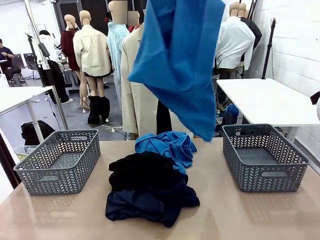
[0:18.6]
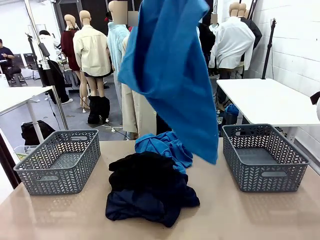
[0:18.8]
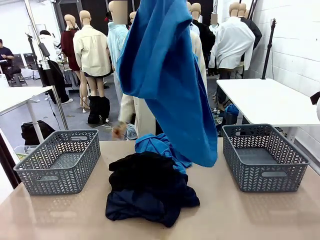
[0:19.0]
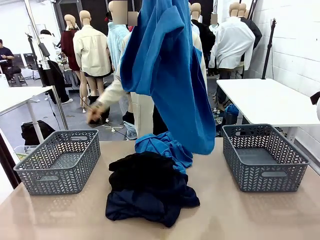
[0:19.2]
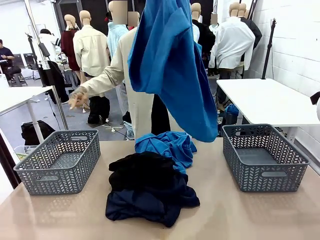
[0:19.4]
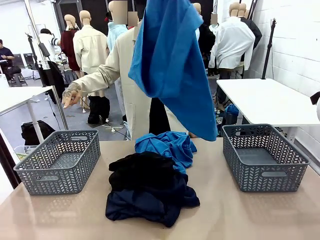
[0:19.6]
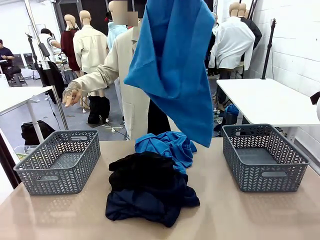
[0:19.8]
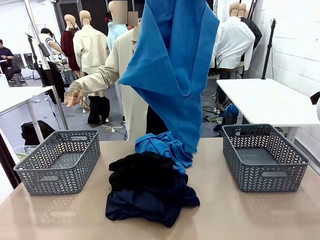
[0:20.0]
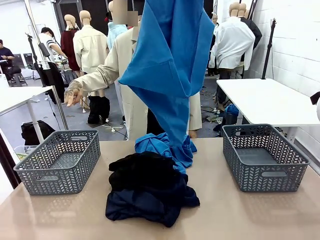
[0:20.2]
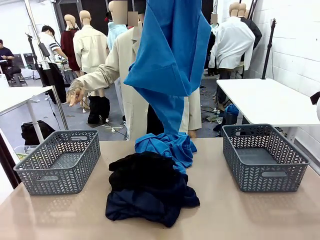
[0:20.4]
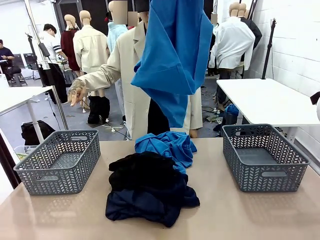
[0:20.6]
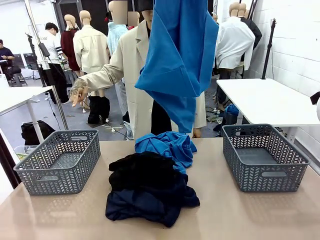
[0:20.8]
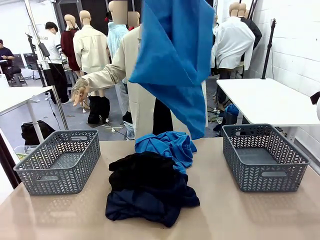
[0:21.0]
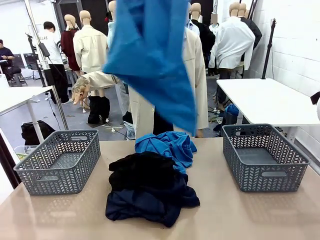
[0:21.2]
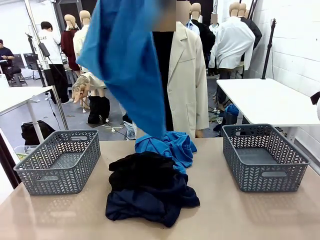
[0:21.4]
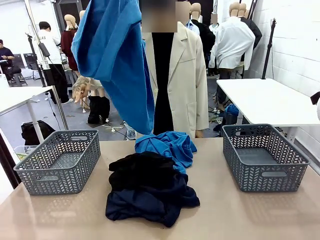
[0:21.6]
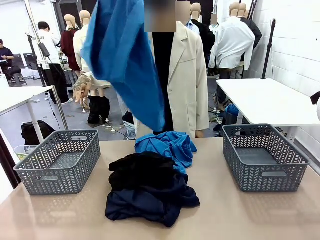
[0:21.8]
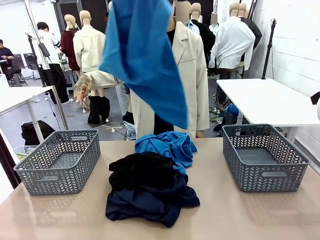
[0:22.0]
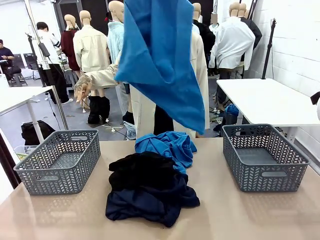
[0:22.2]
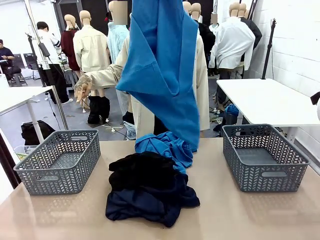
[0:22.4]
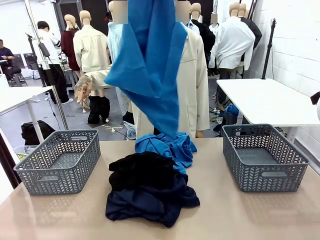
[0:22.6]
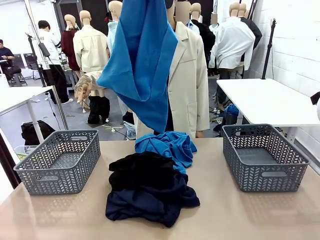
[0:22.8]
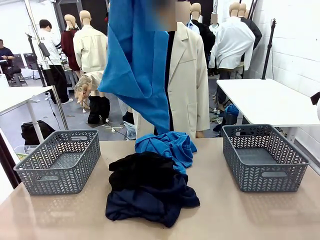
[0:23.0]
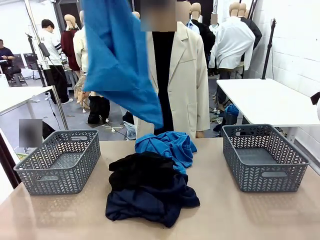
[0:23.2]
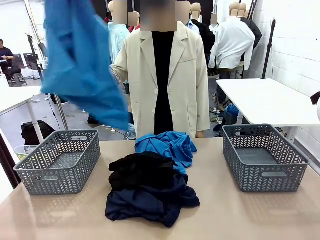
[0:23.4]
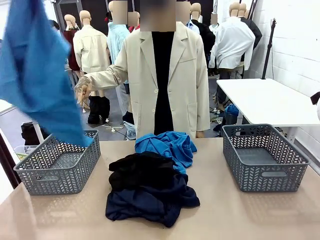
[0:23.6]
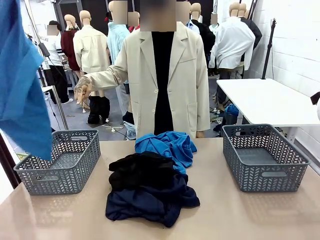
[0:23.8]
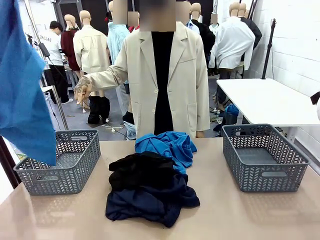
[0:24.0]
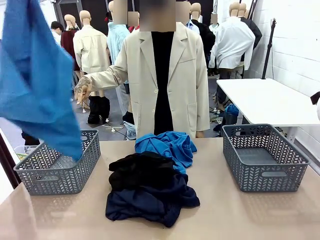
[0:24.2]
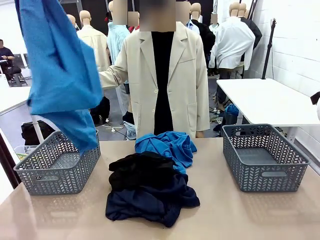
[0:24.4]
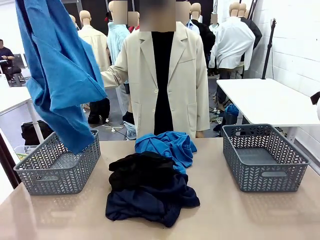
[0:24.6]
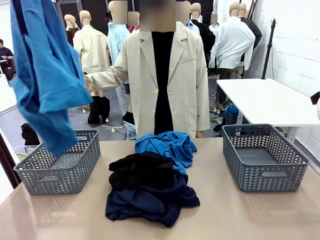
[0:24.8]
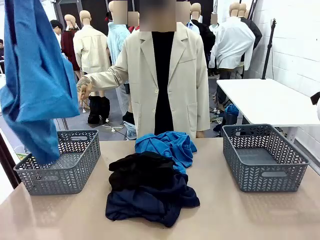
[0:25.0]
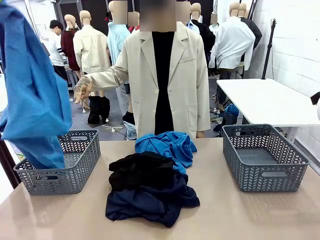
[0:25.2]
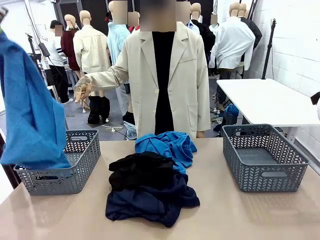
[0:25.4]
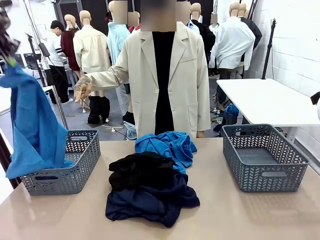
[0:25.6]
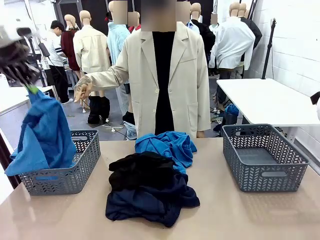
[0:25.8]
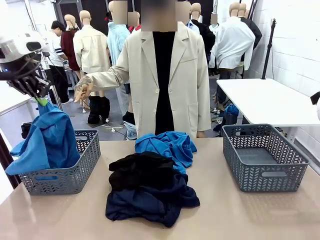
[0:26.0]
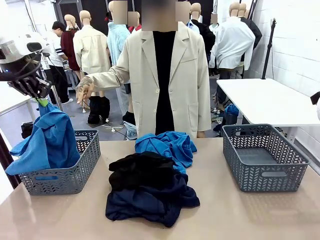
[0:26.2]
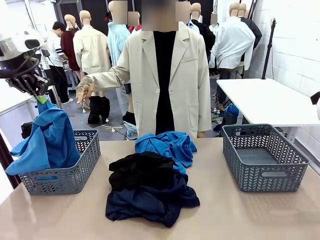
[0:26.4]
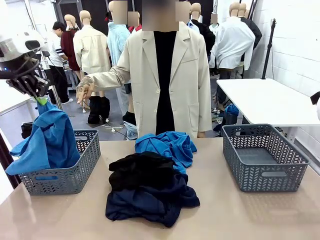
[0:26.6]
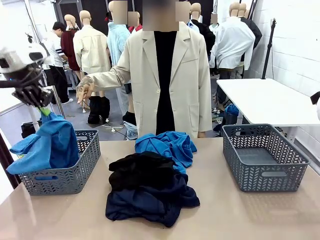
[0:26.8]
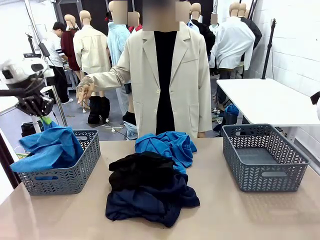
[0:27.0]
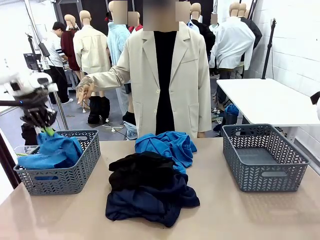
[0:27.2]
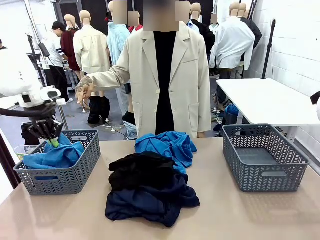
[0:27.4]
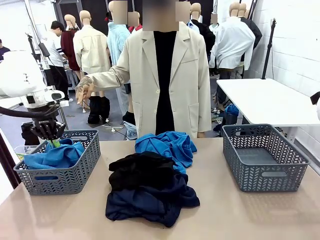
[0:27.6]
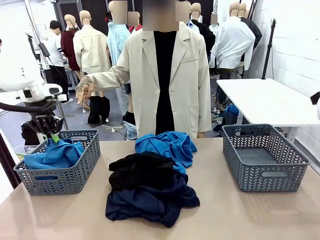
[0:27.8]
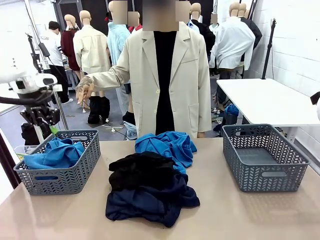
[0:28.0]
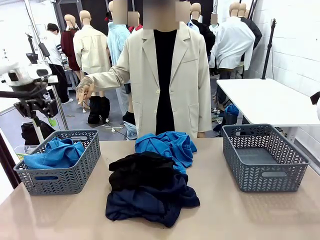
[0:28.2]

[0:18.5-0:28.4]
Task: Sort the tops and bottoms.
Robot: Sort the clothes according to human instructions.

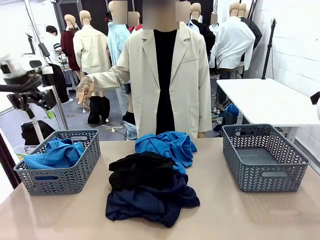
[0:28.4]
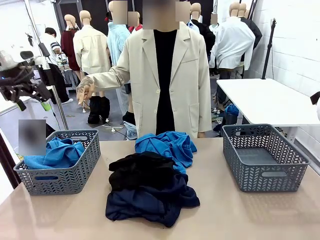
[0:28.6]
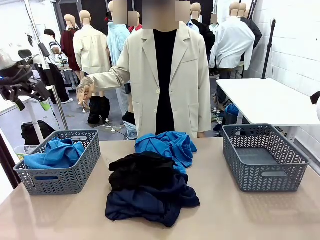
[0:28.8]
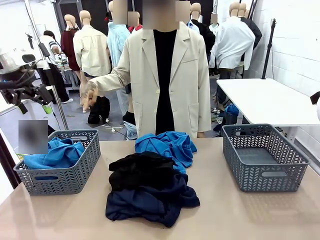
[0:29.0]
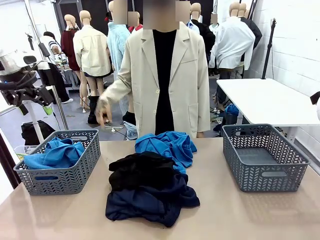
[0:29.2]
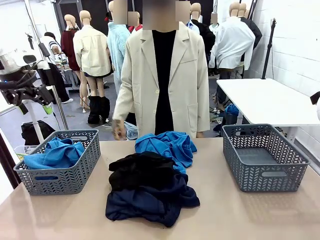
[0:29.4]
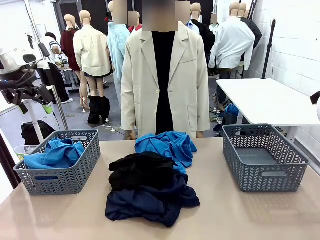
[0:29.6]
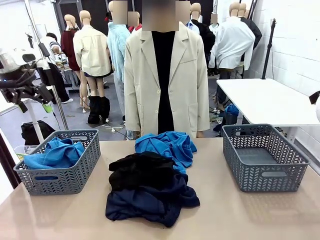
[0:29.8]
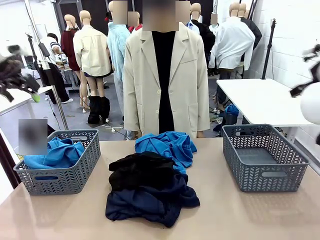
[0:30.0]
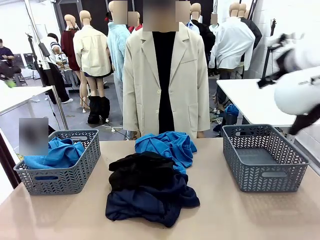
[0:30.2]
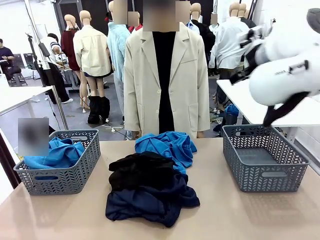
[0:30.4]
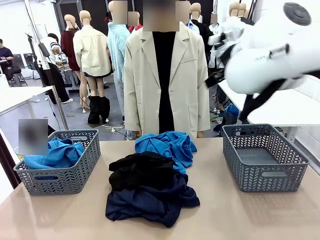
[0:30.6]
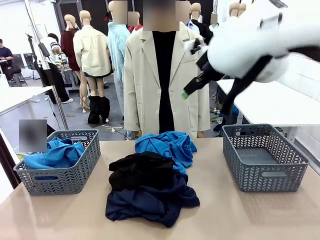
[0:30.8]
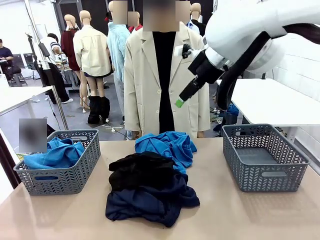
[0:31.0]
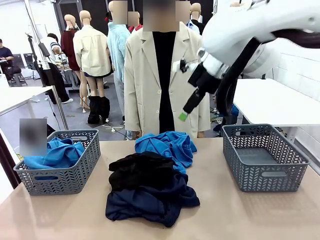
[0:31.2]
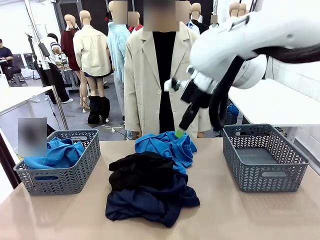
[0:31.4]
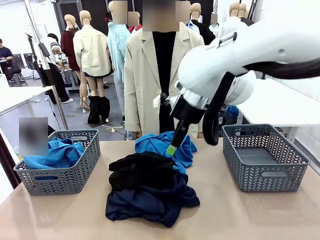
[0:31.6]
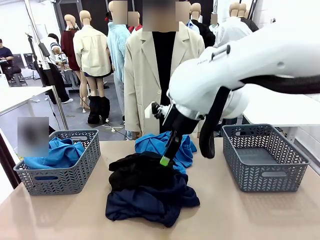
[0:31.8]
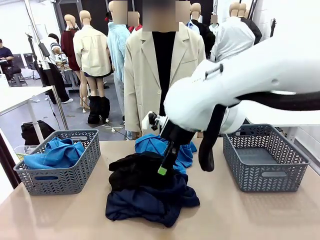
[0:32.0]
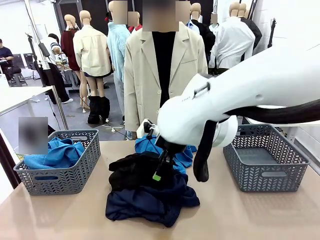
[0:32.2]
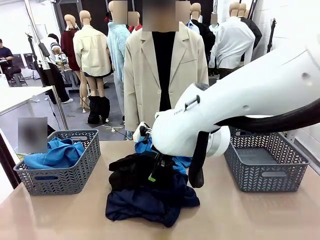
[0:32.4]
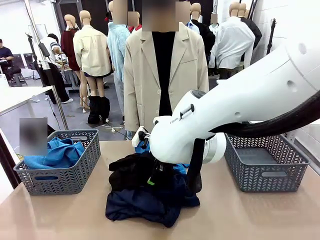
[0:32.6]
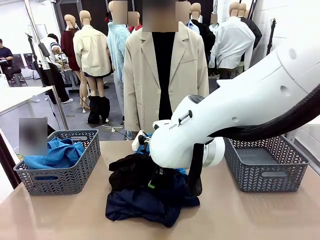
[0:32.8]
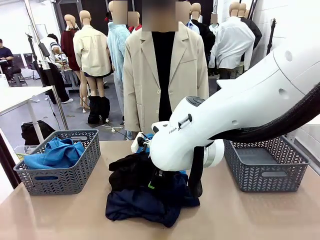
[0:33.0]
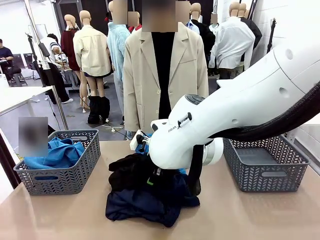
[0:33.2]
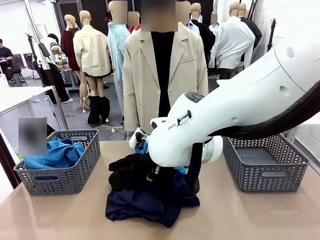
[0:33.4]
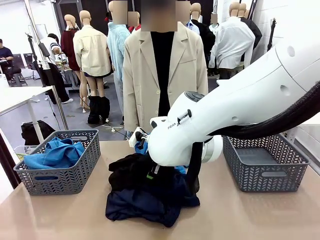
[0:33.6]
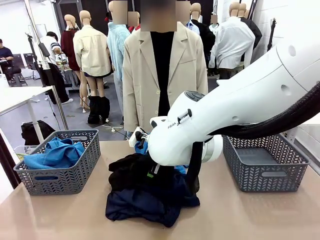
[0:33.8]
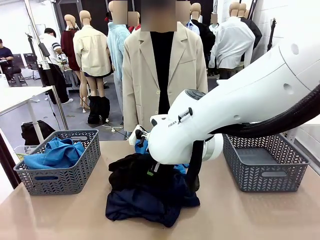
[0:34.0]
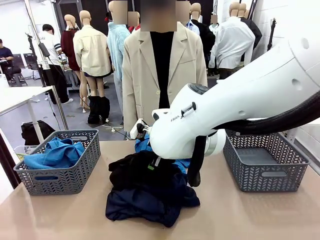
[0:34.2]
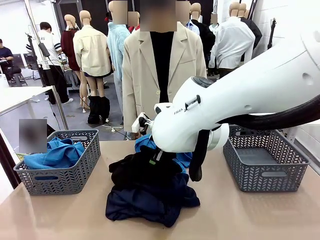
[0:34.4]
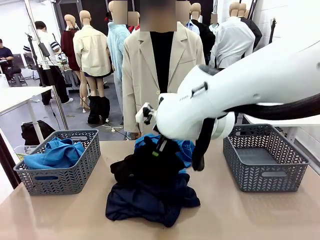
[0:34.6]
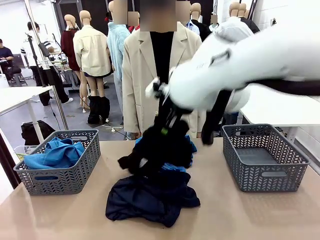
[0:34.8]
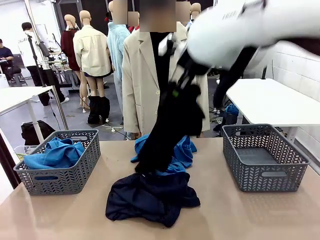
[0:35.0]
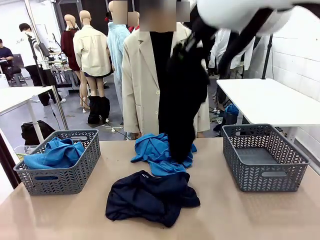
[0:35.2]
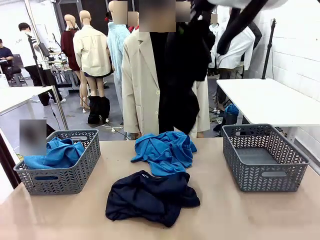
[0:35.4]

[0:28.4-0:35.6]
Robot: Lift clothes from the center of the table with your right hand.

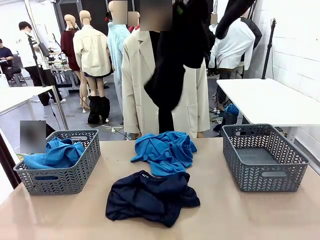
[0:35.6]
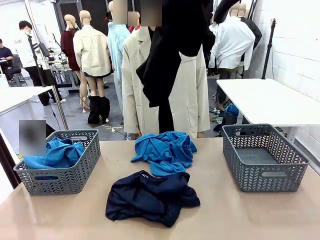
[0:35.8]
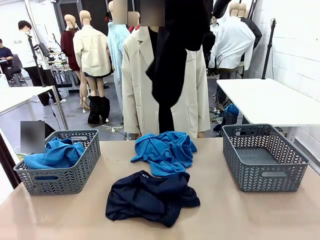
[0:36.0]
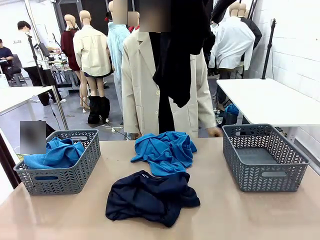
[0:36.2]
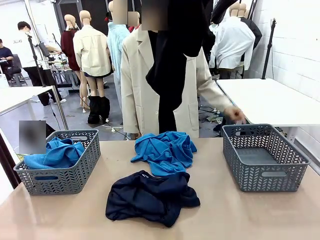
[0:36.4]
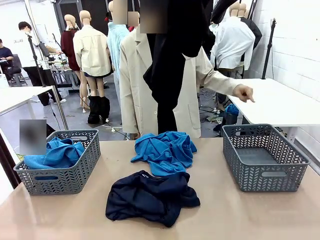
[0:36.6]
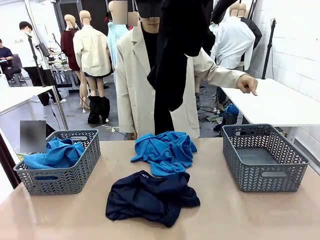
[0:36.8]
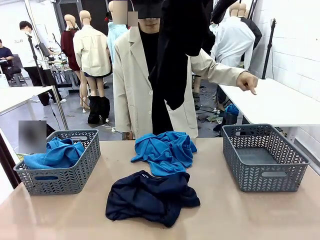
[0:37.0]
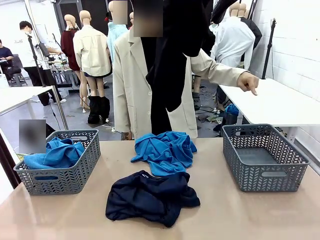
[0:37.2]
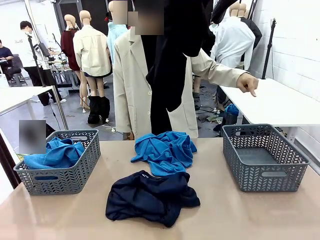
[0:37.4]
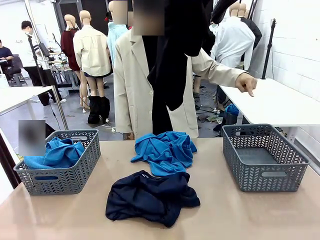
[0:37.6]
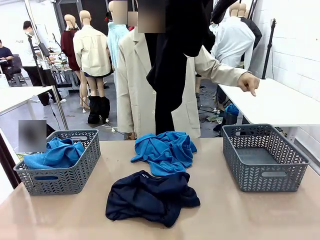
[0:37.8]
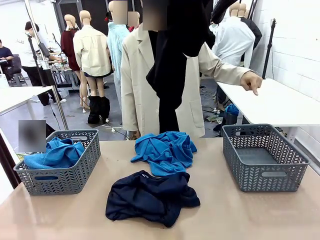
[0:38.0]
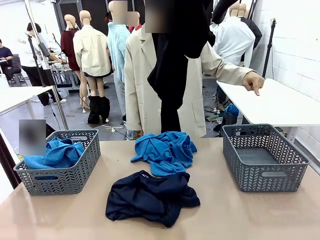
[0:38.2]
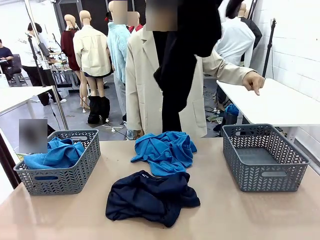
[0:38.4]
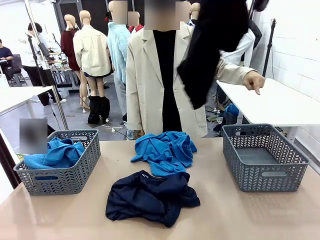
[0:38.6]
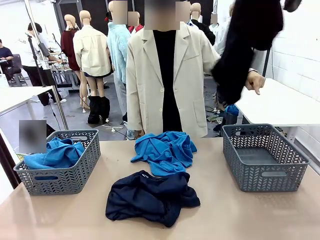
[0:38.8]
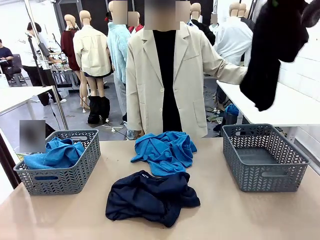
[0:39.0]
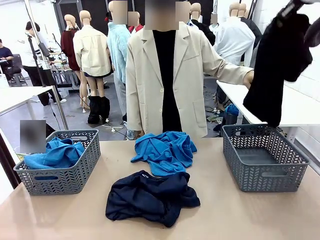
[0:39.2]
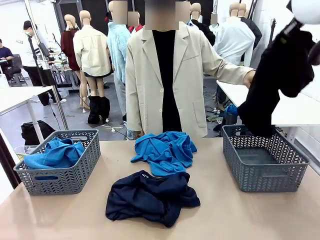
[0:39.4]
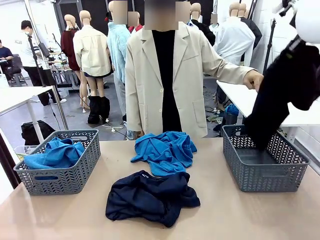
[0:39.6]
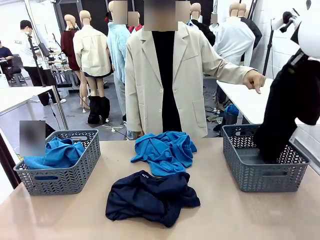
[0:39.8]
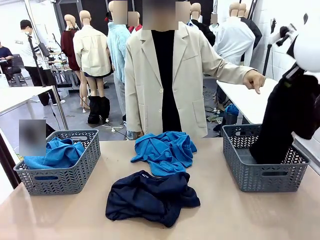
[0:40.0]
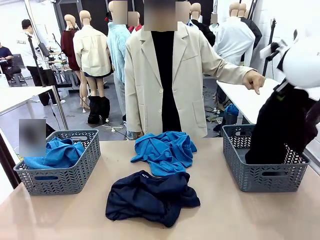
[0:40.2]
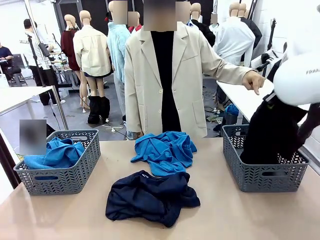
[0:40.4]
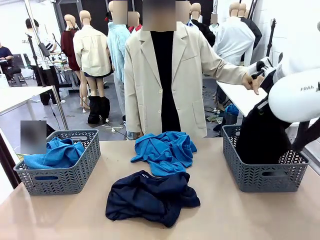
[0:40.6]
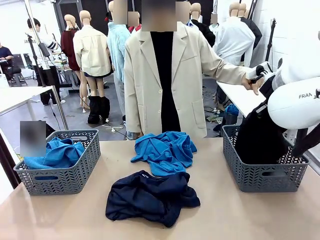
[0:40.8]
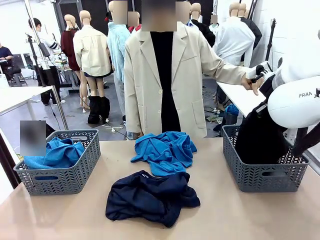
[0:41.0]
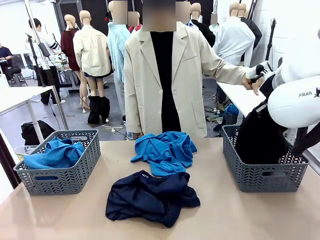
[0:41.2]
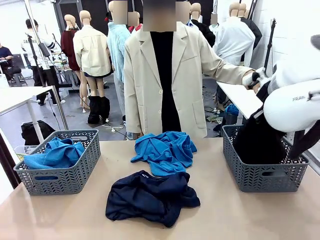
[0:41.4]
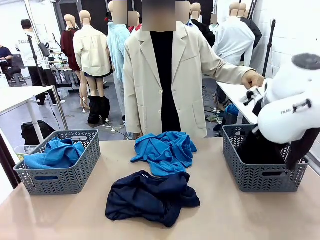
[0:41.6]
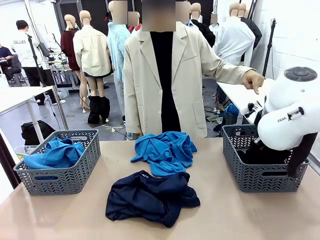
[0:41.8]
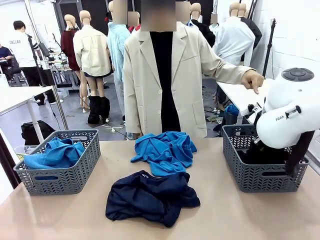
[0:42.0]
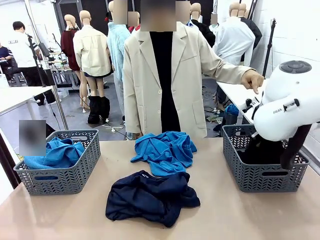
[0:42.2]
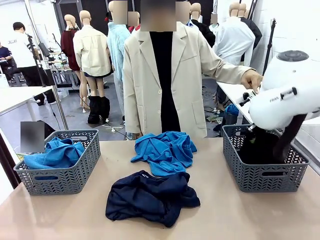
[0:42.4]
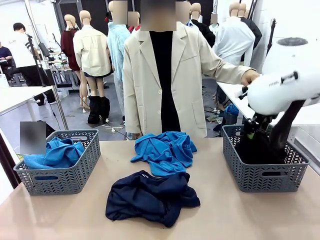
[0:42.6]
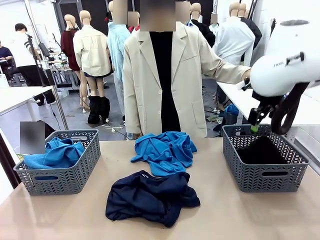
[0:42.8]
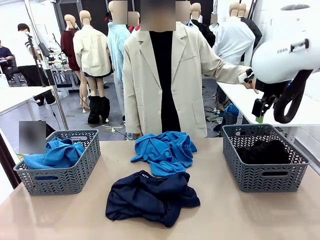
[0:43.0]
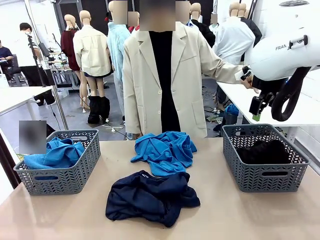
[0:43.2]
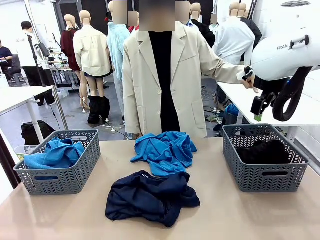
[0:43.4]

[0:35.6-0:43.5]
Robot: Sort the clothes according to human instructions.
